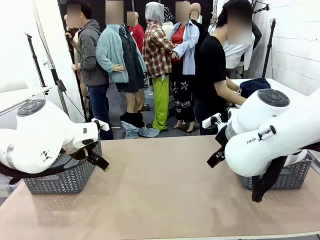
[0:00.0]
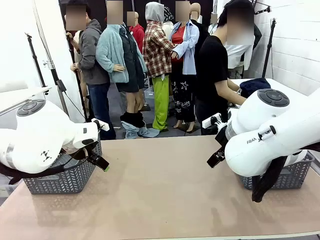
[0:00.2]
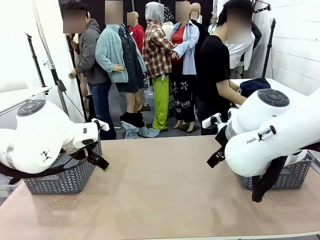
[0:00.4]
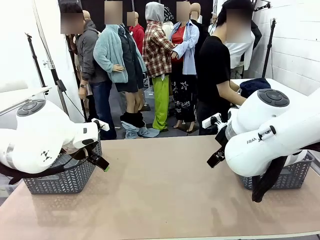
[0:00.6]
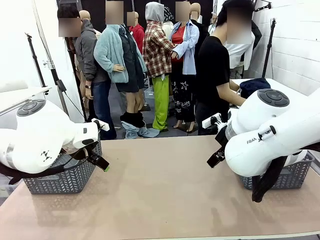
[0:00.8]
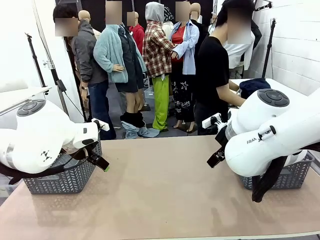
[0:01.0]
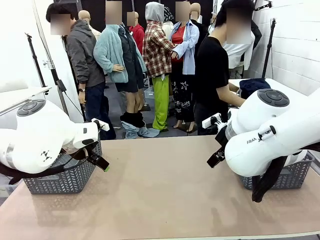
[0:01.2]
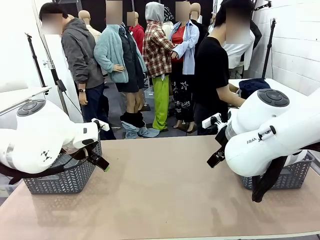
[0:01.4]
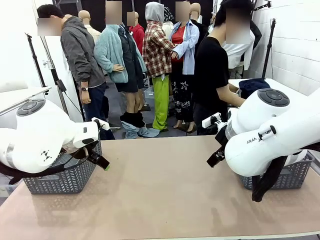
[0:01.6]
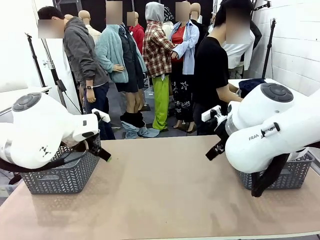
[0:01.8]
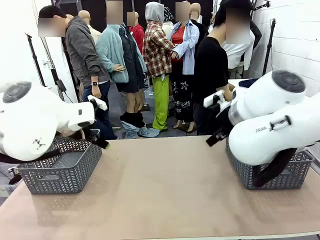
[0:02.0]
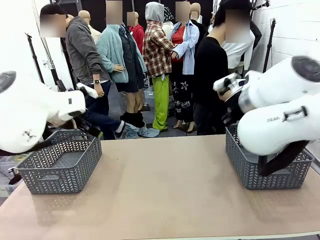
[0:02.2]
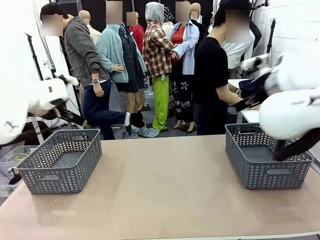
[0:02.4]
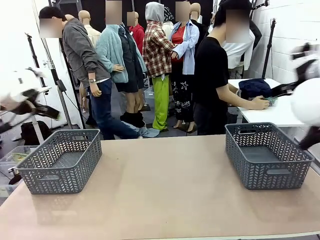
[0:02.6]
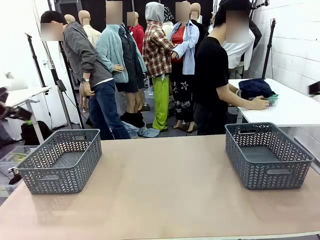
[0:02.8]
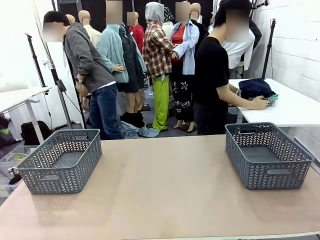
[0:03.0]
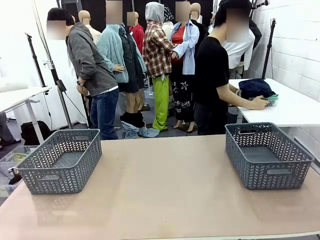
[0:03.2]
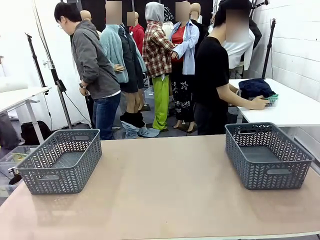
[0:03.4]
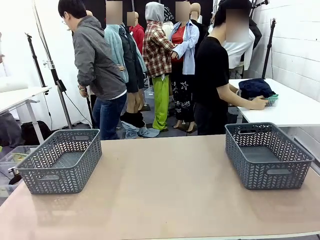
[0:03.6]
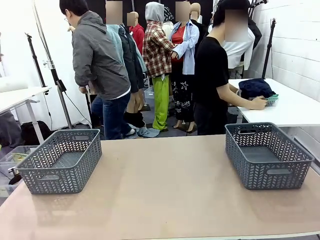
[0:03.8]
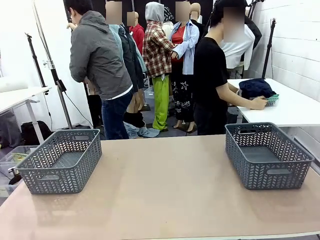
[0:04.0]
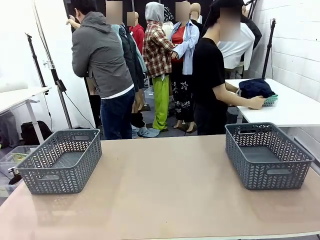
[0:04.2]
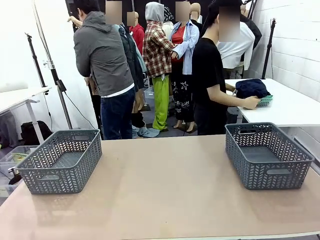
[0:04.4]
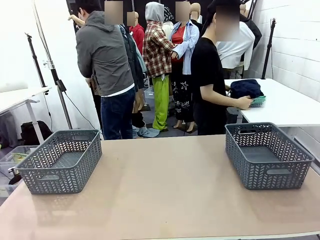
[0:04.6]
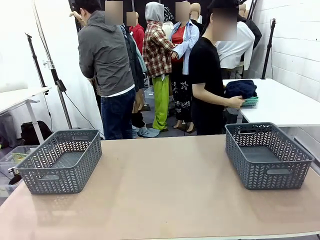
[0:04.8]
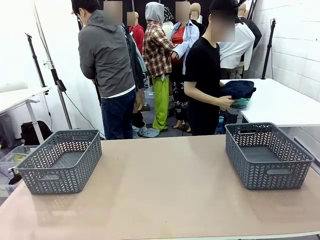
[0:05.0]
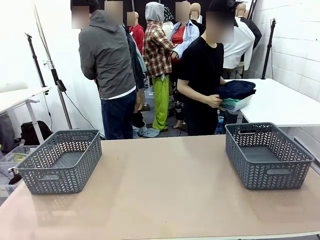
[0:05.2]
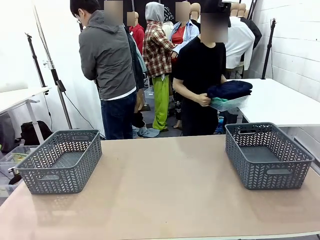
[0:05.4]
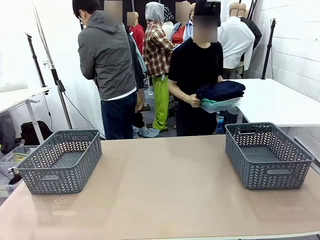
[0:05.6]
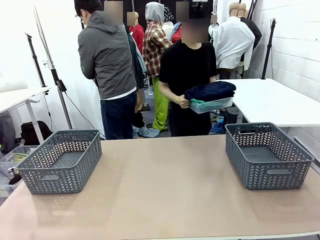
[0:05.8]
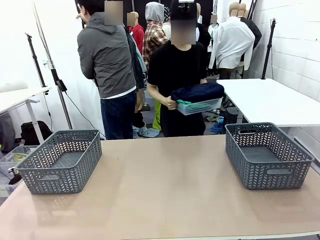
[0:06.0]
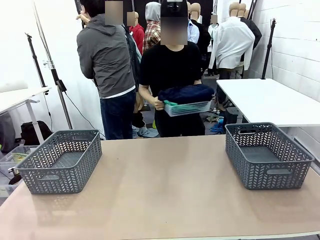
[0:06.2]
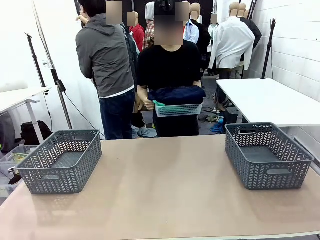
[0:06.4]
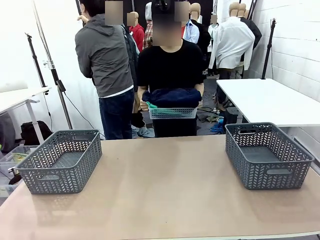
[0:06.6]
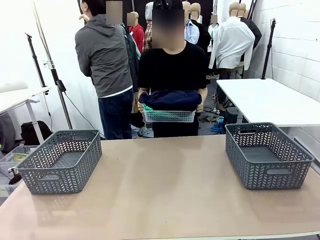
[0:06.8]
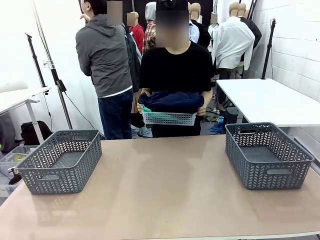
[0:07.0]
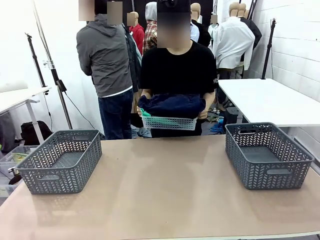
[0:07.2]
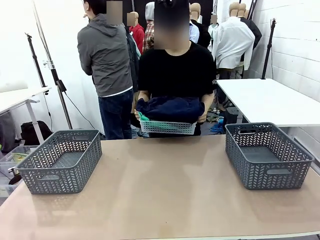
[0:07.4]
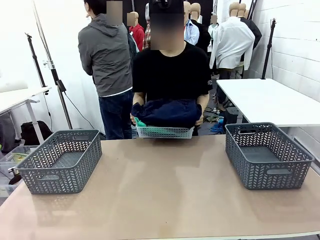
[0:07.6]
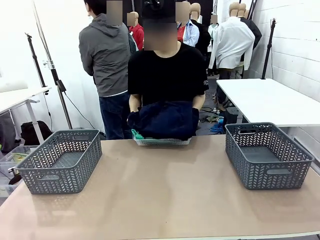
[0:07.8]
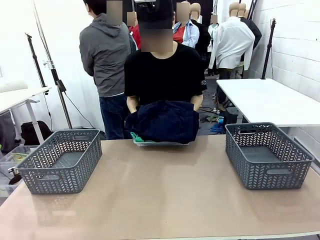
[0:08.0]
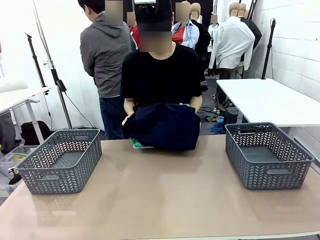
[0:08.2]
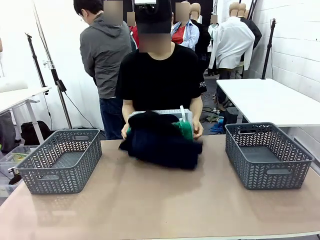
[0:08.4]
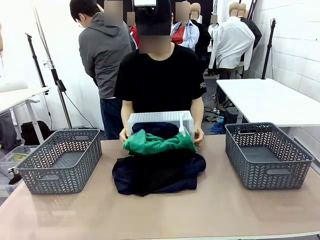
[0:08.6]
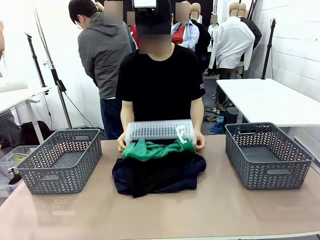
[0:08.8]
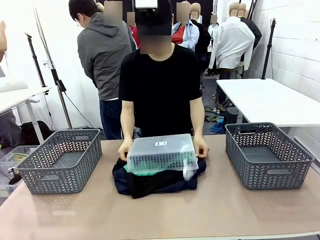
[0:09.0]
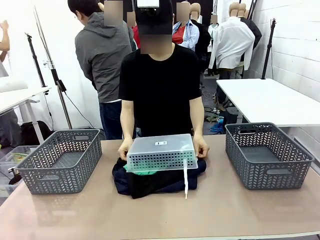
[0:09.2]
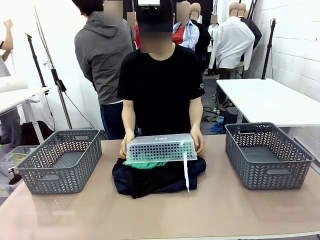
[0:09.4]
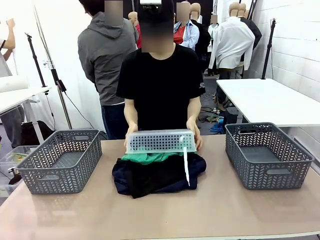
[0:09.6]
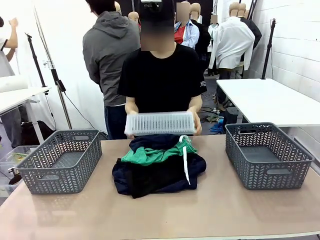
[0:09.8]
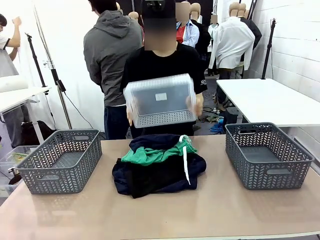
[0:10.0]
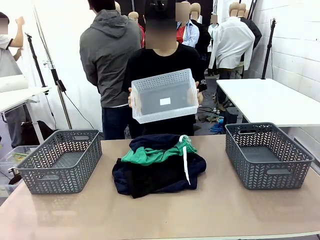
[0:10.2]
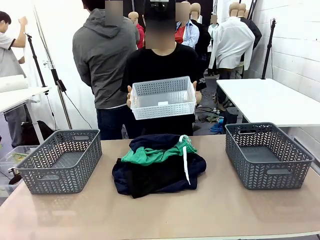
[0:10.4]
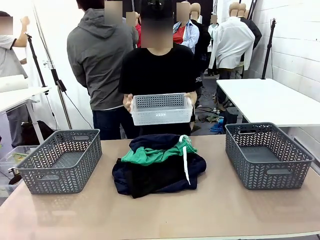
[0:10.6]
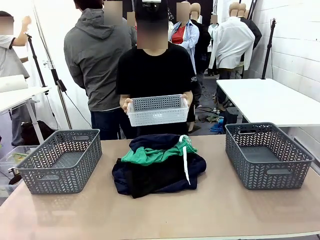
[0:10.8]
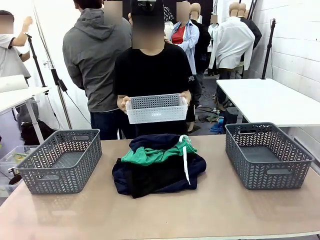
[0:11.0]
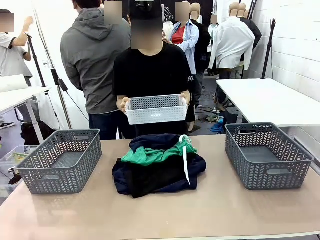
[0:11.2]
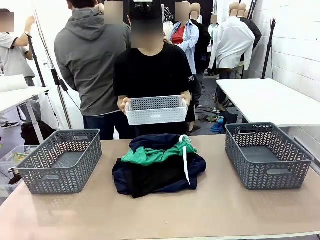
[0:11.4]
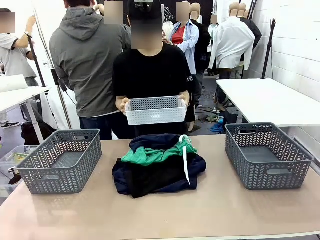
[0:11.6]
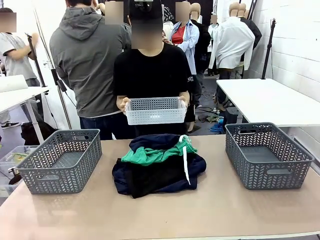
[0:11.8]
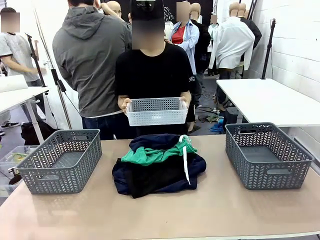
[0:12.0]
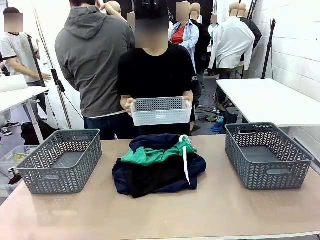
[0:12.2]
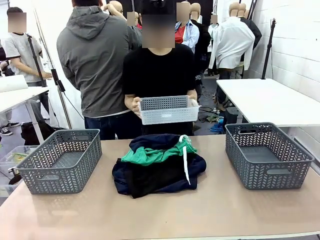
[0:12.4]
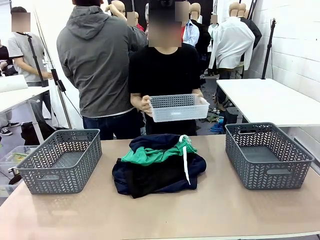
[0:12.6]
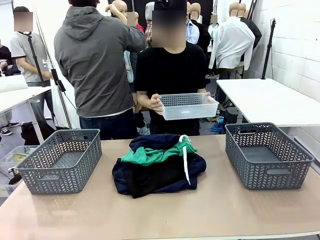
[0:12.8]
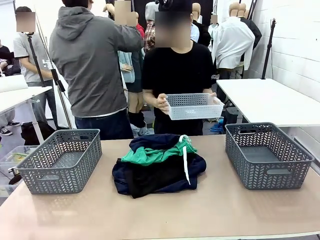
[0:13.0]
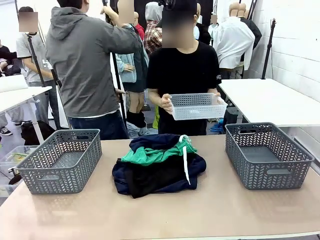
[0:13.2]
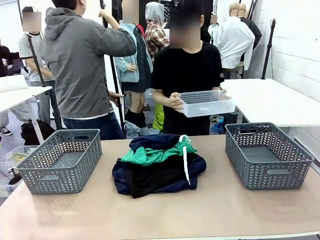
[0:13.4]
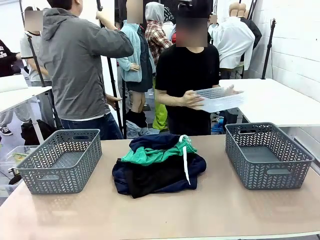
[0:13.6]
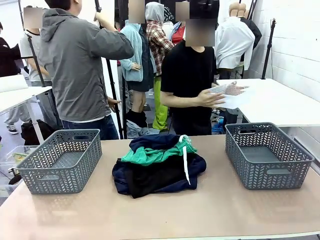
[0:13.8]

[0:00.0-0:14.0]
Task: Sort the tops and bottoms.
Robot: Lift clothes from the center of the table with your left hand.
Person: Pour the clothes from the basket onto the center of the robot table.
